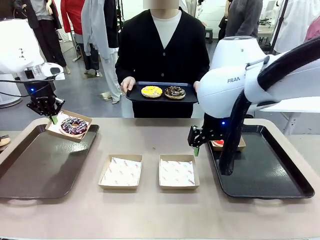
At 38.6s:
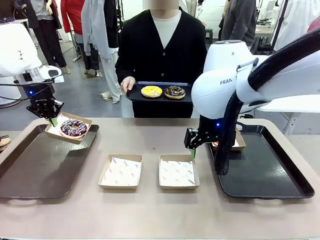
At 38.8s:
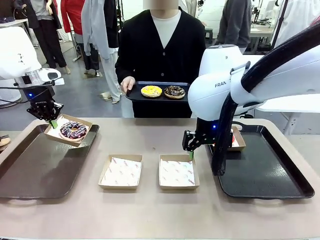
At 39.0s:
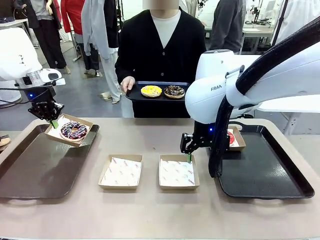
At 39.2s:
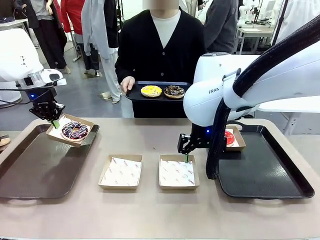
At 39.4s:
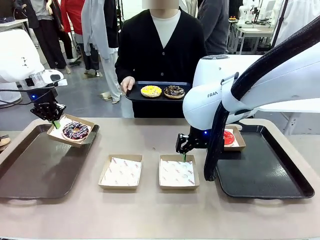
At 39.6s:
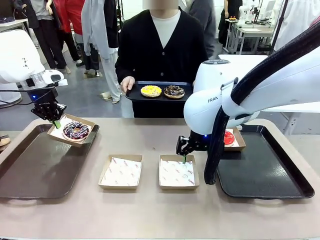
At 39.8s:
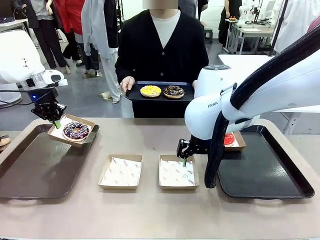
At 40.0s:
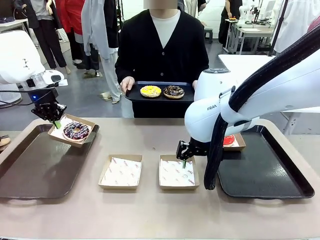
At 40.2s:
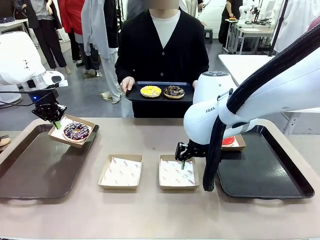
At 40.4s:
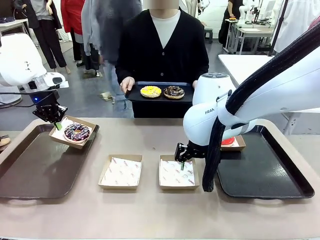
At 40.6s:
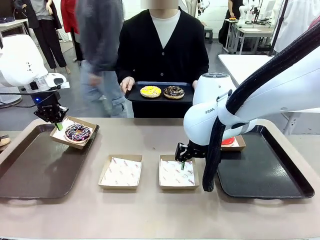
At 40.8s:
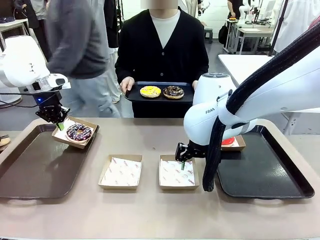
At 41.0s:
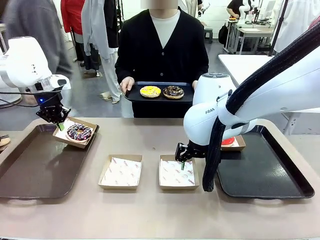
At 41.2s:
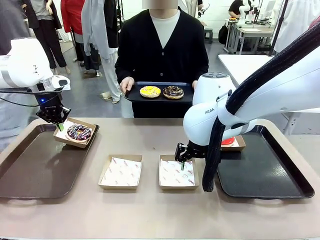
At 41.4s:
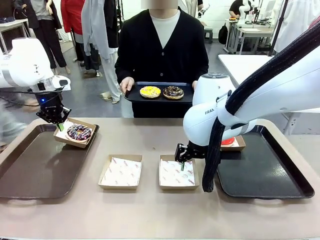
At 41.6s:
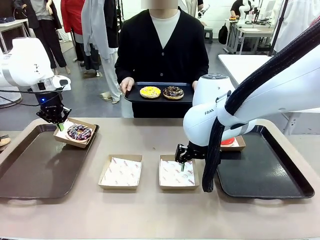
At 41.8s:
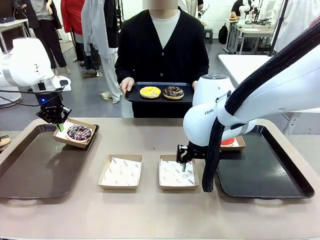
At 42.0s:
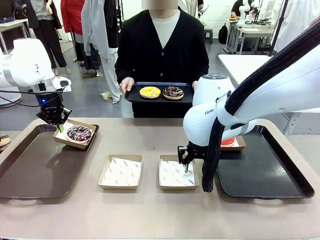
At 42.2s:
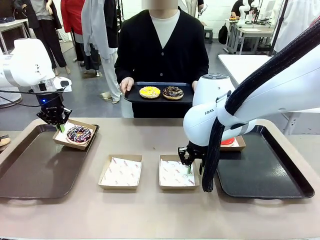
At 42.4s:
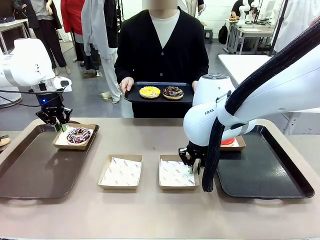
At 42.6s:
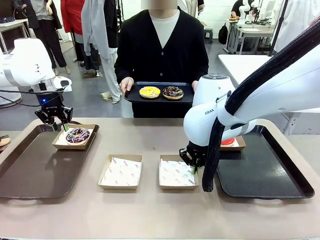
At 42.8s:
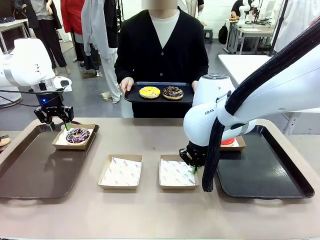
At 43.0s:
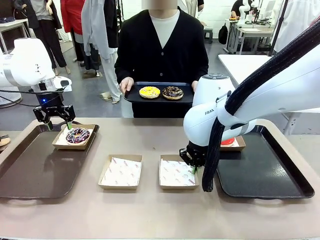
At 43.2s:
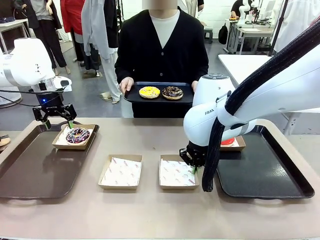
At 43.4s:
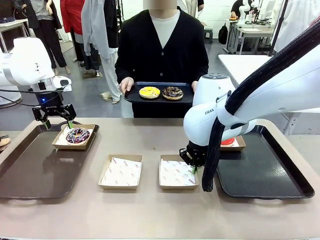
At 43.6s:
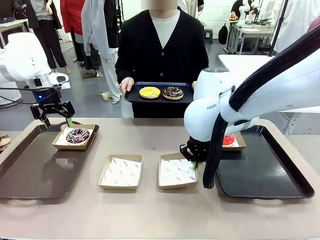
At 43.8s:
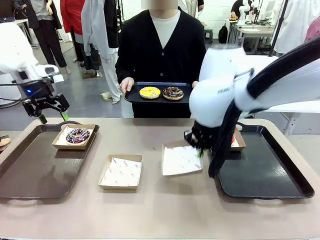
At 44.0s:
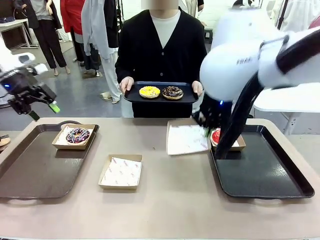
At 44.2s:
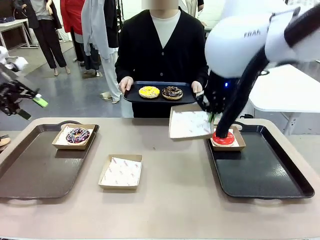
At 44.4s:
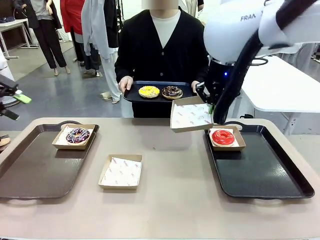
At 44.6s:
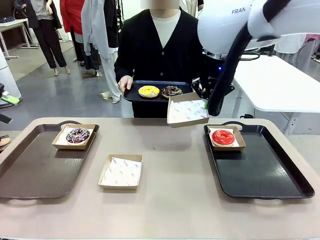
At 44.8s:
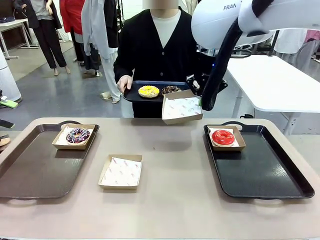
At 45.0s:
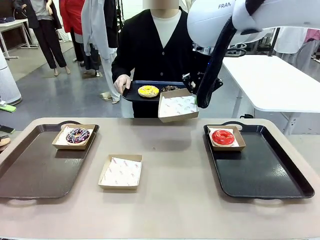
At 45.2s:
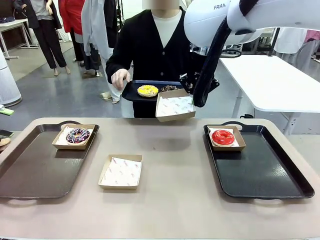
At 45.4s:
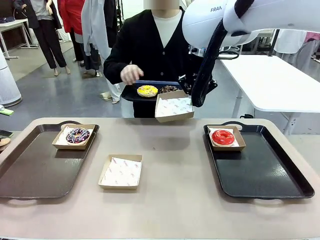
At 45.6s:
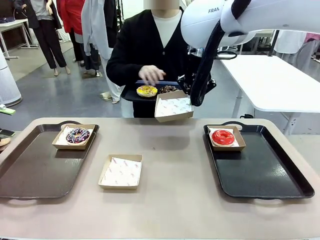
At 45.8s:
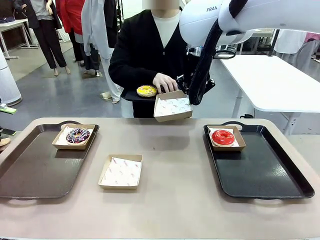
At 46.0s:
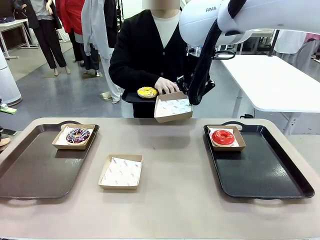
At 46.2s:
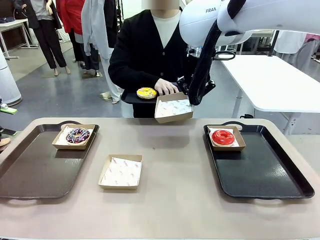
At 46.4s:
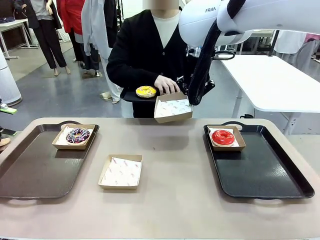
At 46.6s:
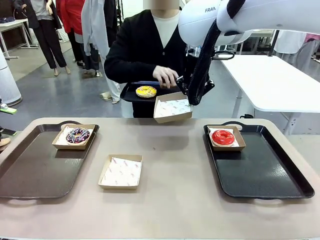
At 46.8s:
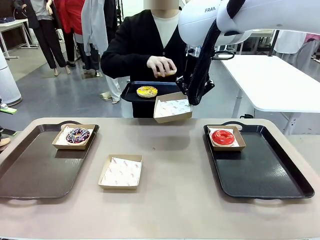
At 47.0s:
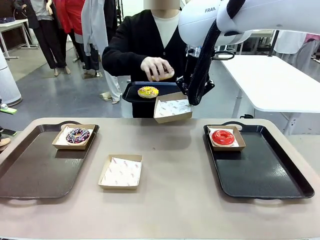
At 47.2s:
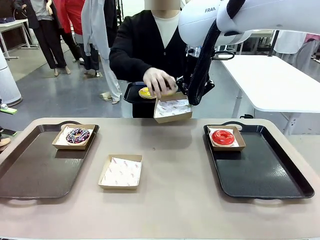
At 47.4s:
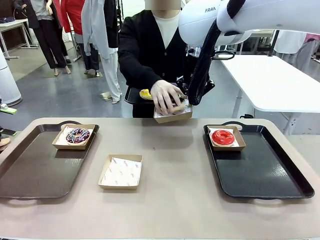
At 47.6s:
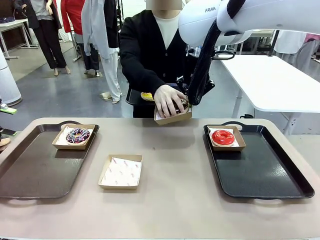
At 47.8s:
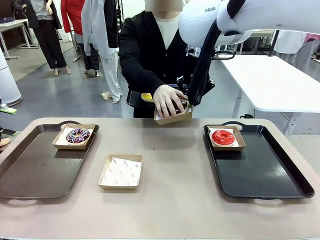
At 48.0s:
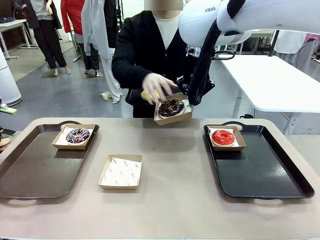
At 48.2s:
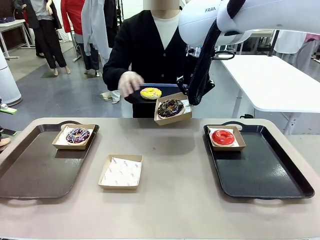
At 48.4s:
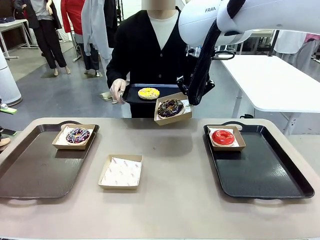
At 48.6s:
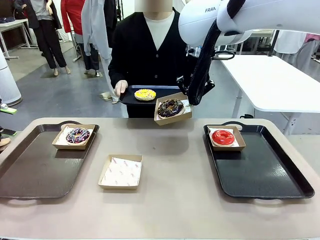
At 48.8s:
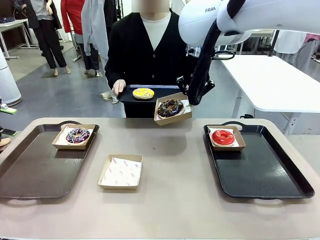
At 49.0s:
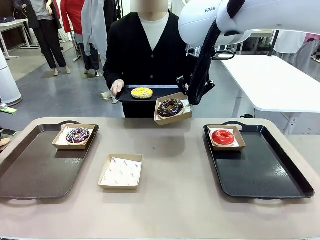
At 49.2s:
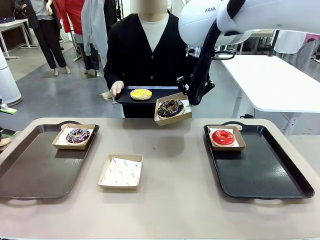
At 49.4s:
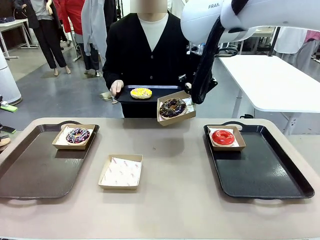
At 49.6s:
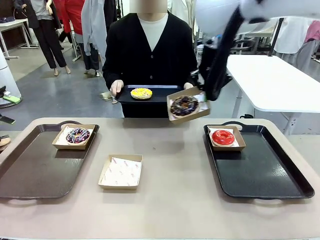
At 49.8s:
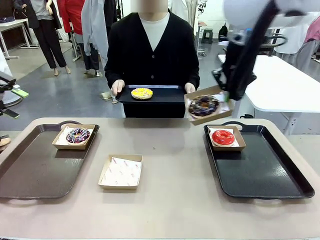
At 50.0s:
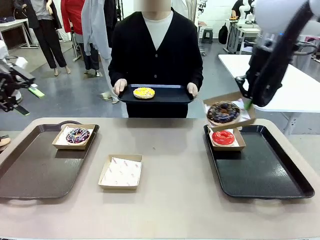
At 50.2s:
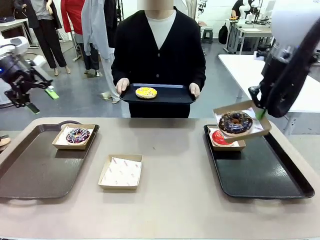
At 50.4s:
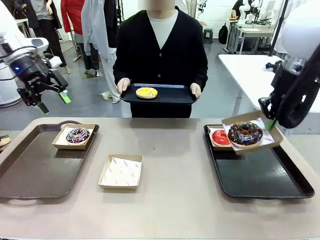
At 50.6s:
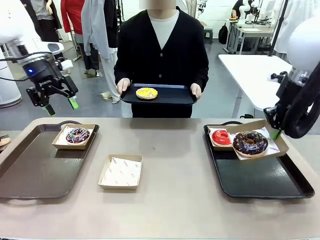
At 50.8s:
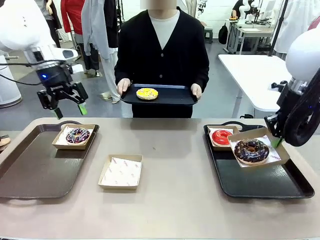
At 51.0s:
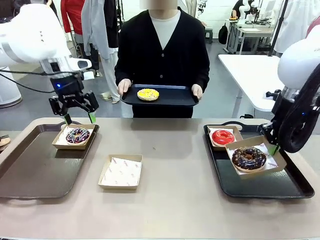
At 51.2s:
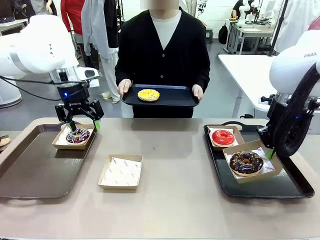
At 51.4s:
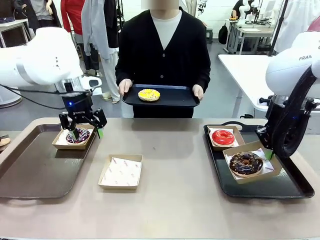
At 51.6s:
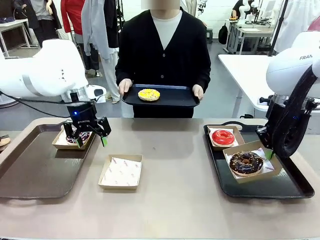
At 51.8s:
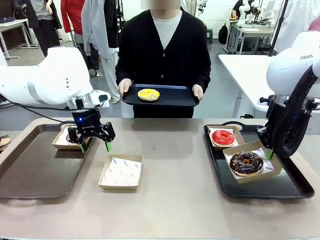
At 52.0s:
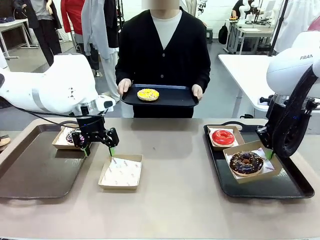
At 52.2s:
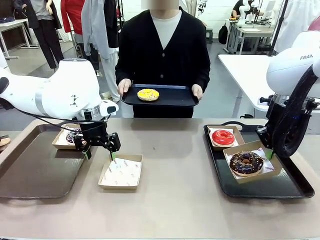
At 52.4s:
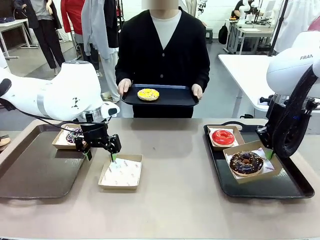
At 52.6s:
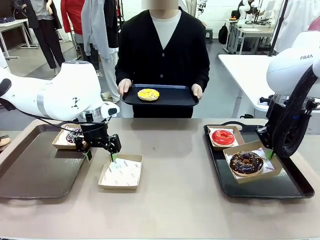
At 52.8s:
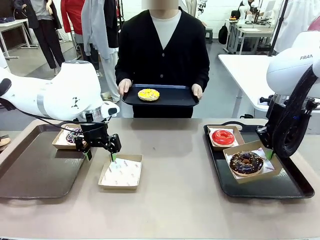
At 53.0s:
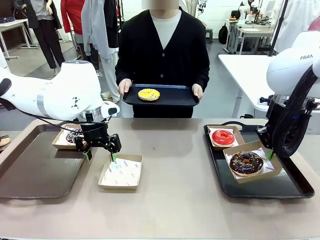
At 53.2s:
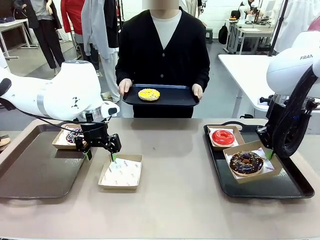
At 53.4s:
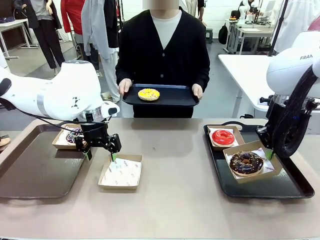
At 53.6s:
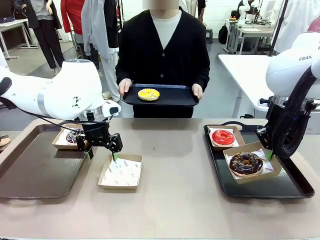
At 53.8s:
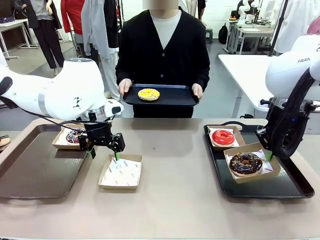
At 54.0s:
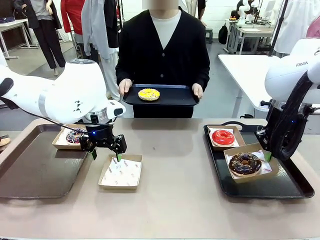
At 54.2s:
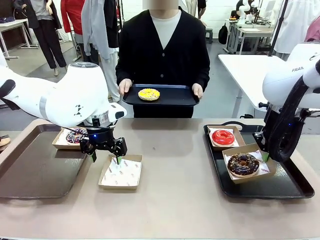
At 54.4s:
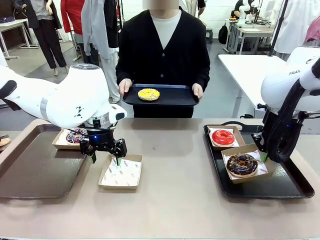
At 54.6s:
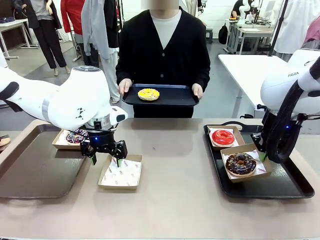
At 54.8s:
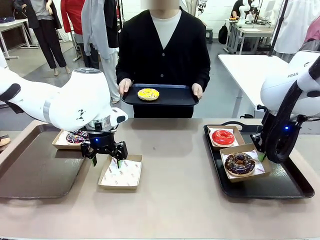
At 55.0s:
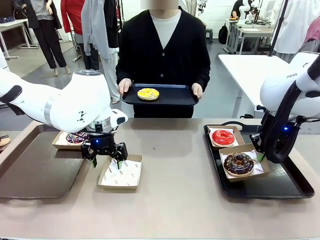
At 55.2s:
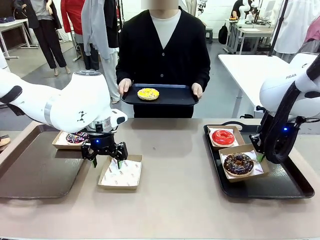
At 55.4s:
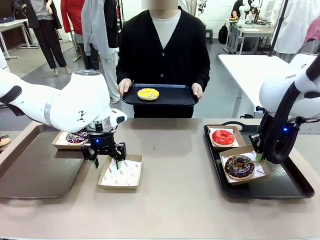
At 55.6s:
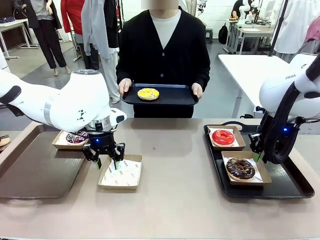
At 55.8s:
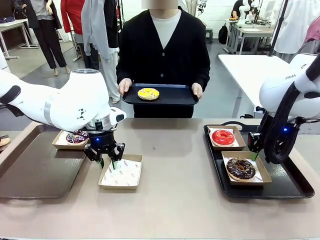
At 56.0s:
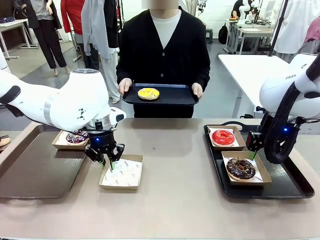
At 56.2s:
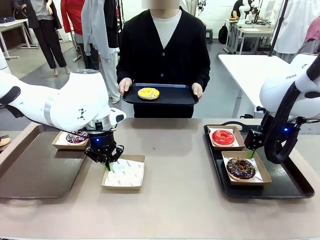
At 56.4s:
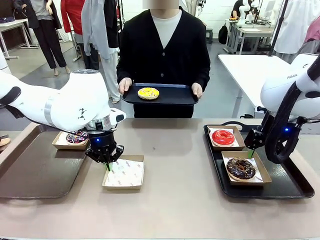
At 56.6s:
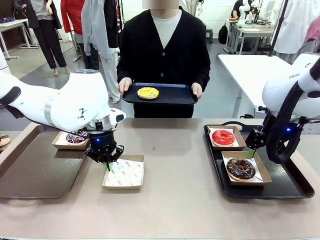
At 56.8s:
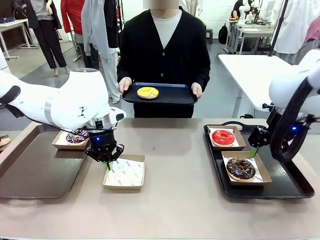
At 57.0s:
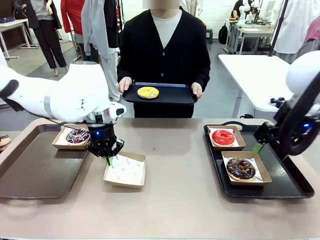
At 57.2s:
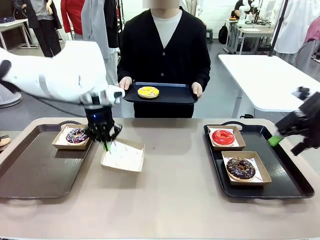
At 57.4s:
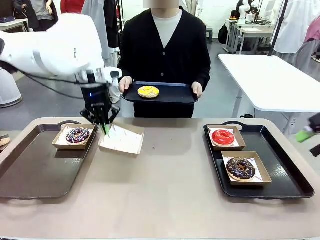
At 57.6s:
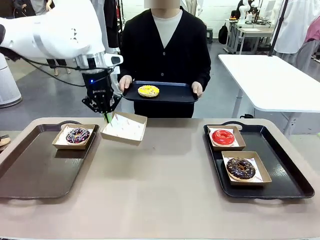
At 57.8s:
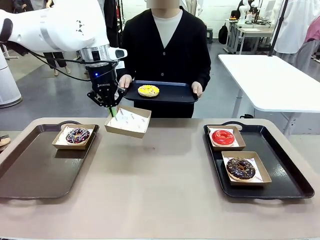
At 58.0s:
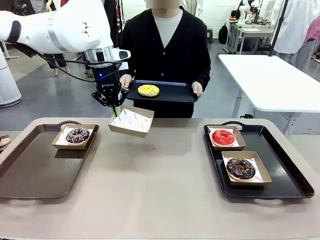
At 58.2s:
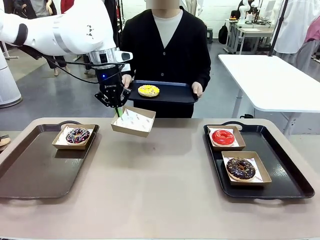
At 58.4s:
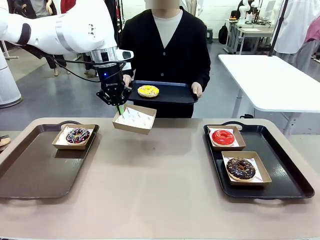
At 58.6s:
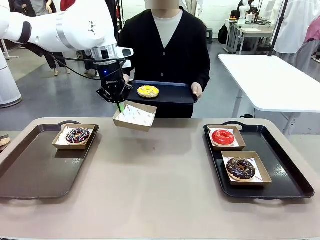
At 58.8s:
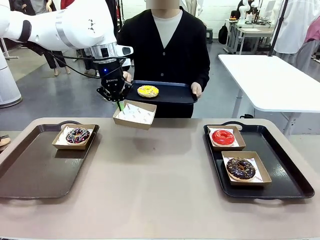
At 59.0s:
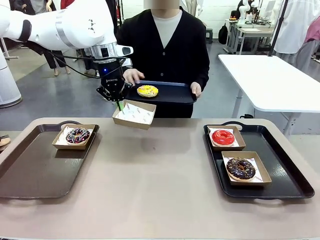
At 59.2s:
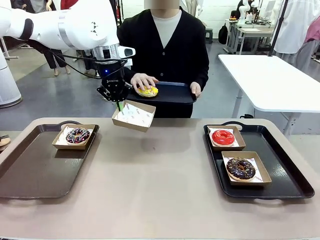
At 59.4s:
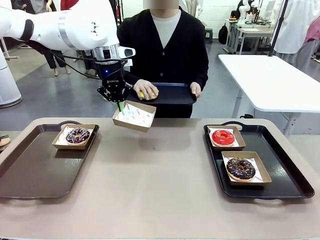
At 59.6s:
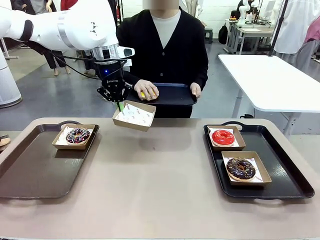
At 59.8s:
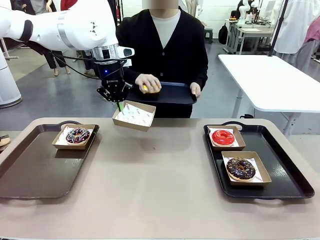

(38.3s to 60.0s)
Task: Individually package the donuts and arrange them on the tray.
Robot: Place the picked Paper togo box on the Handle tray while simultaneously picking up another Paper togo box from the table with the other hand.
